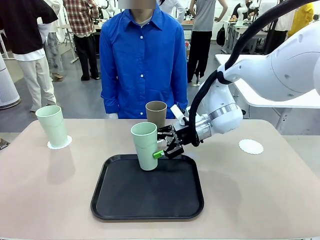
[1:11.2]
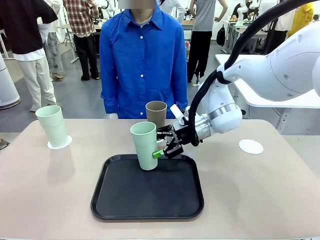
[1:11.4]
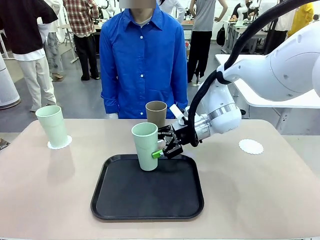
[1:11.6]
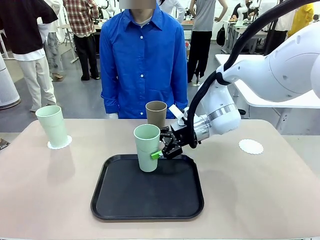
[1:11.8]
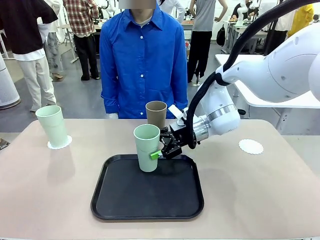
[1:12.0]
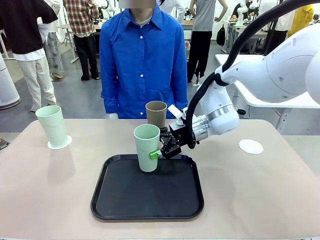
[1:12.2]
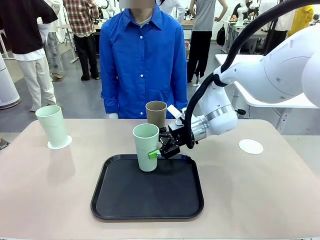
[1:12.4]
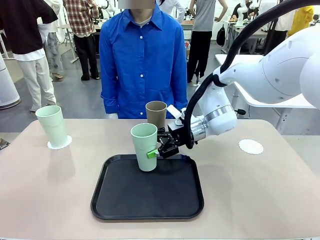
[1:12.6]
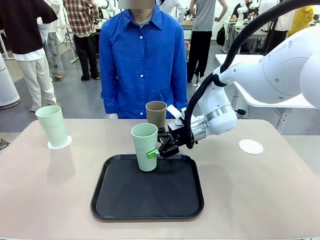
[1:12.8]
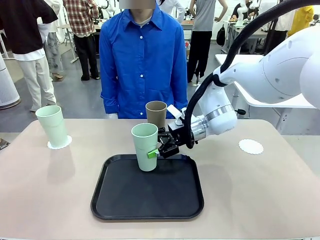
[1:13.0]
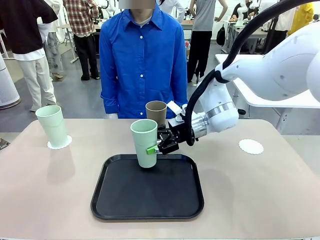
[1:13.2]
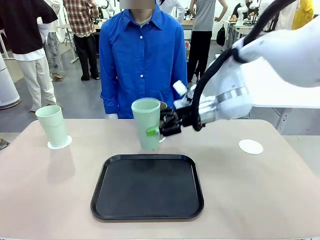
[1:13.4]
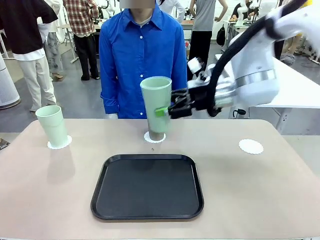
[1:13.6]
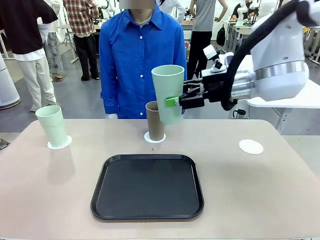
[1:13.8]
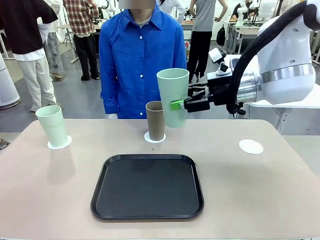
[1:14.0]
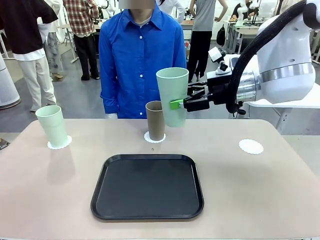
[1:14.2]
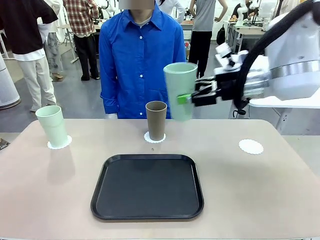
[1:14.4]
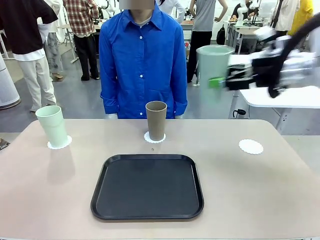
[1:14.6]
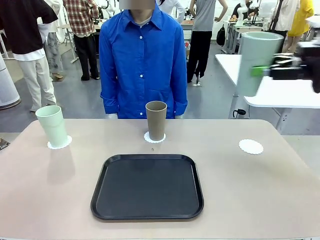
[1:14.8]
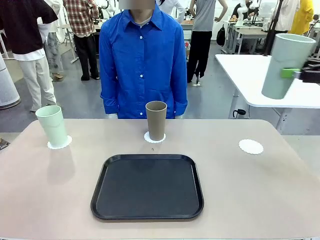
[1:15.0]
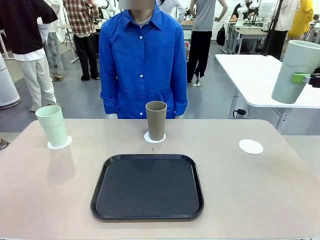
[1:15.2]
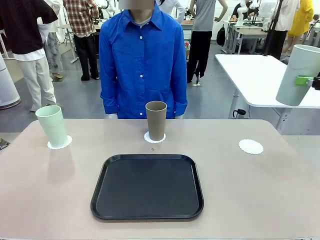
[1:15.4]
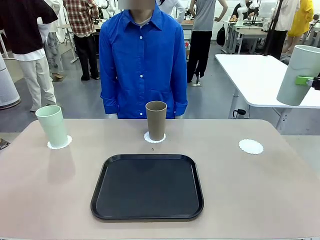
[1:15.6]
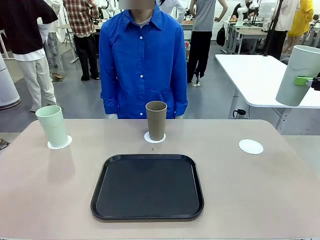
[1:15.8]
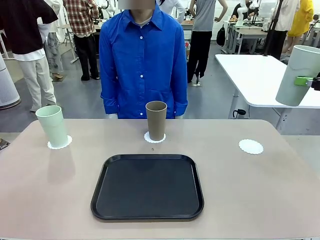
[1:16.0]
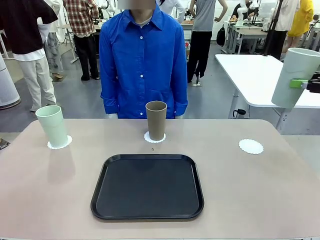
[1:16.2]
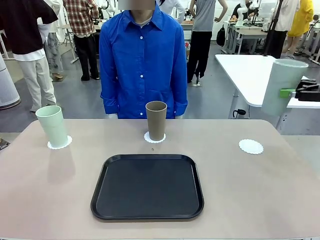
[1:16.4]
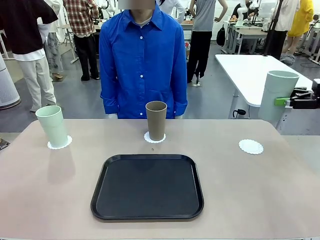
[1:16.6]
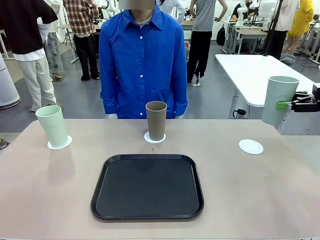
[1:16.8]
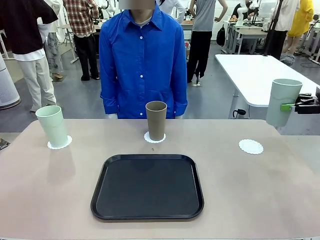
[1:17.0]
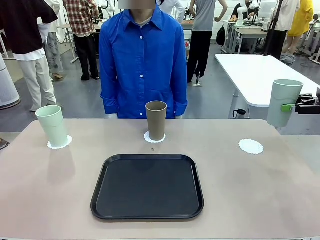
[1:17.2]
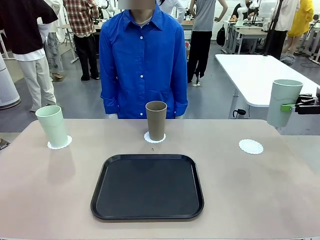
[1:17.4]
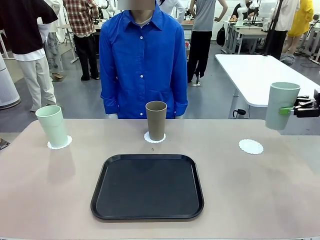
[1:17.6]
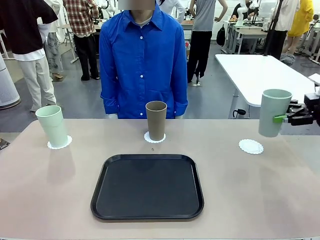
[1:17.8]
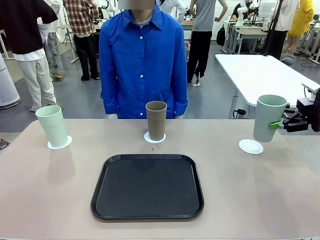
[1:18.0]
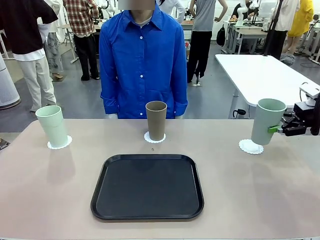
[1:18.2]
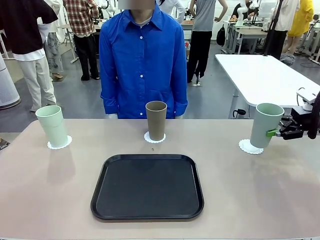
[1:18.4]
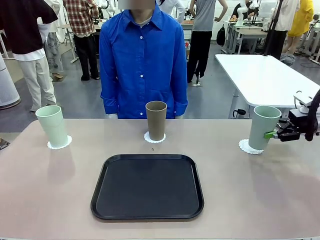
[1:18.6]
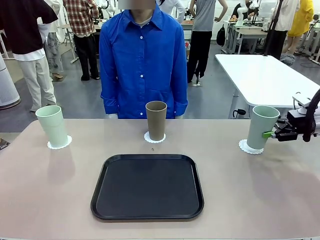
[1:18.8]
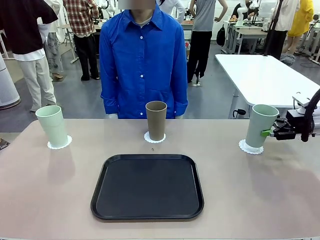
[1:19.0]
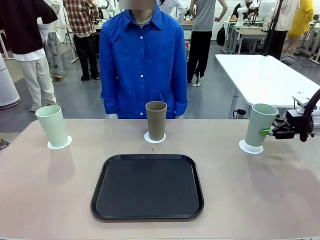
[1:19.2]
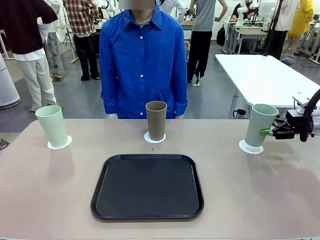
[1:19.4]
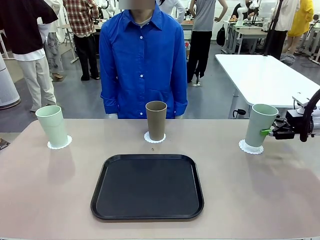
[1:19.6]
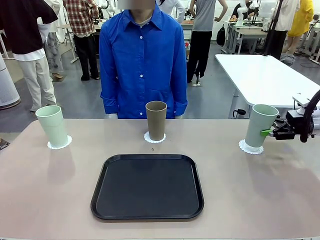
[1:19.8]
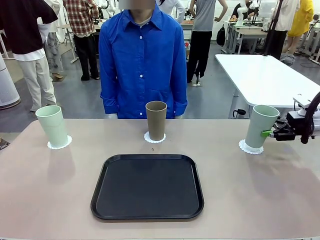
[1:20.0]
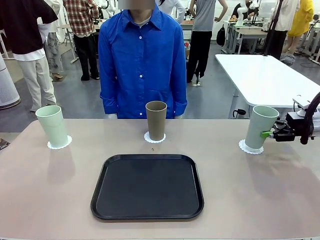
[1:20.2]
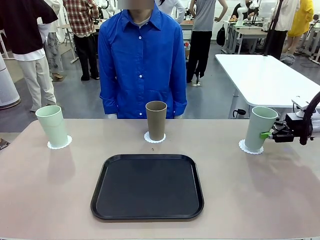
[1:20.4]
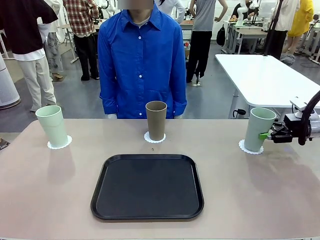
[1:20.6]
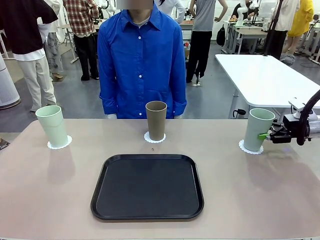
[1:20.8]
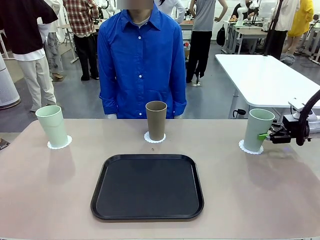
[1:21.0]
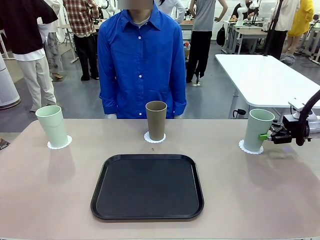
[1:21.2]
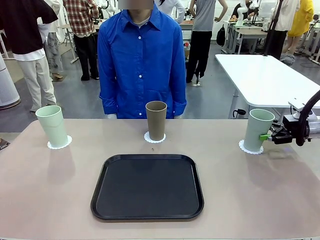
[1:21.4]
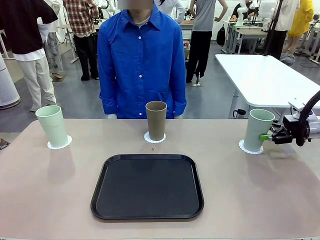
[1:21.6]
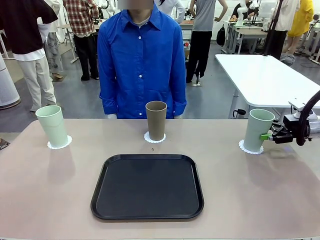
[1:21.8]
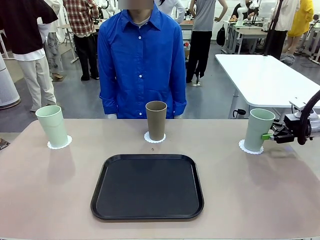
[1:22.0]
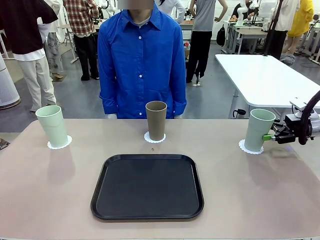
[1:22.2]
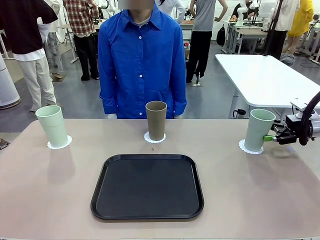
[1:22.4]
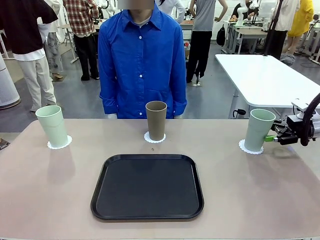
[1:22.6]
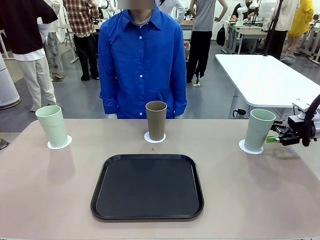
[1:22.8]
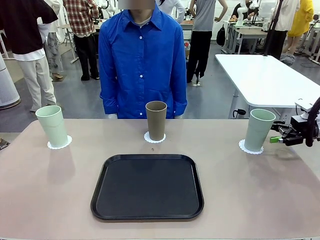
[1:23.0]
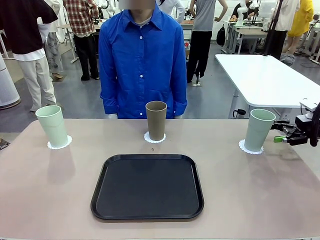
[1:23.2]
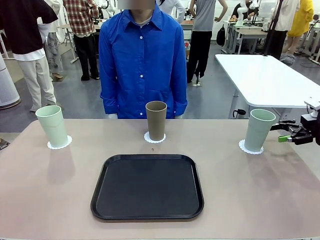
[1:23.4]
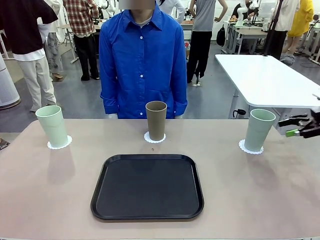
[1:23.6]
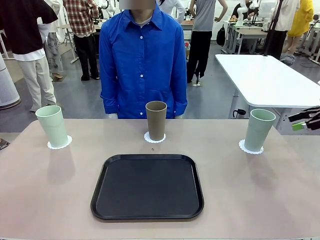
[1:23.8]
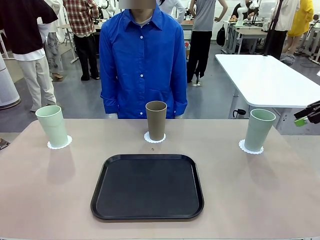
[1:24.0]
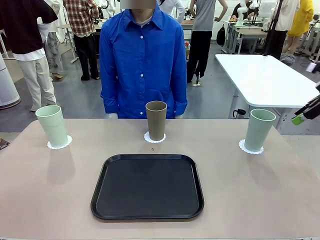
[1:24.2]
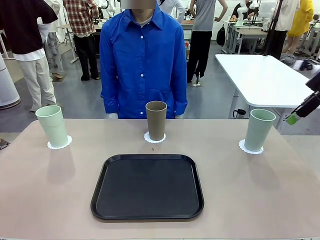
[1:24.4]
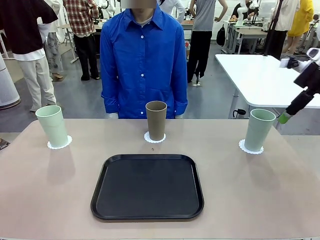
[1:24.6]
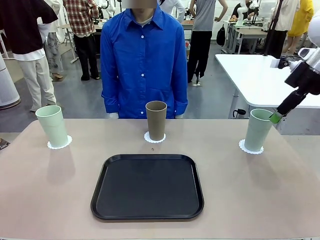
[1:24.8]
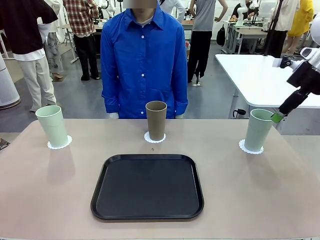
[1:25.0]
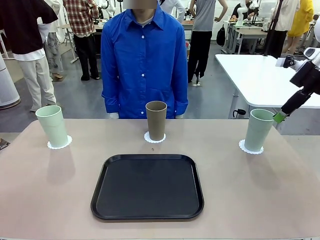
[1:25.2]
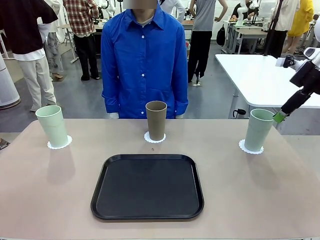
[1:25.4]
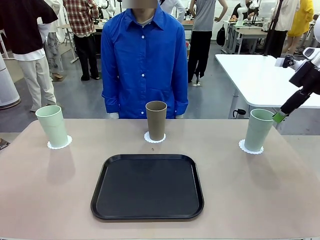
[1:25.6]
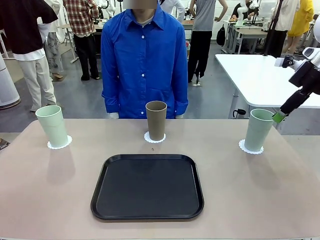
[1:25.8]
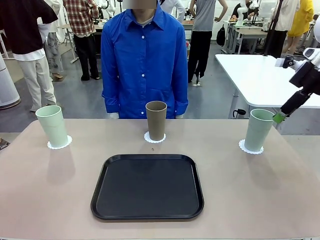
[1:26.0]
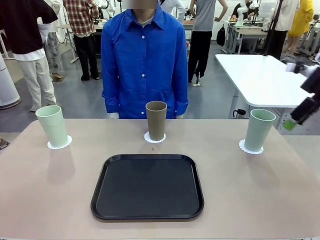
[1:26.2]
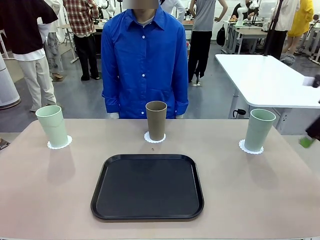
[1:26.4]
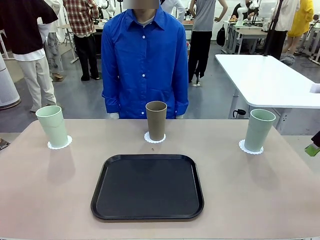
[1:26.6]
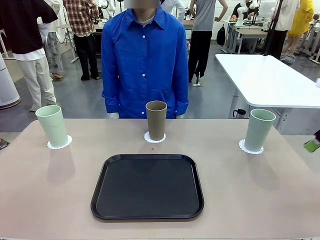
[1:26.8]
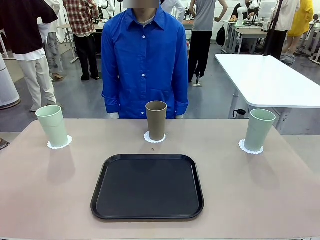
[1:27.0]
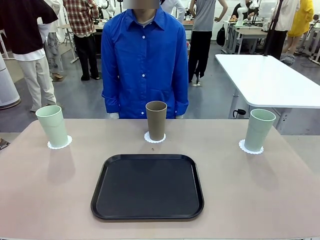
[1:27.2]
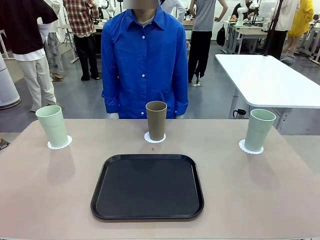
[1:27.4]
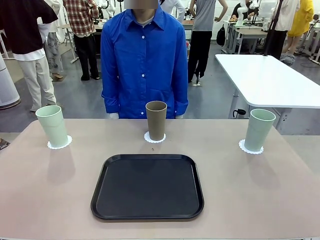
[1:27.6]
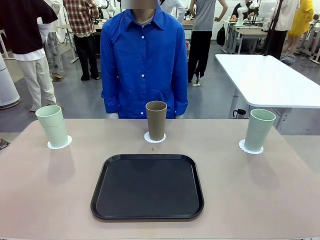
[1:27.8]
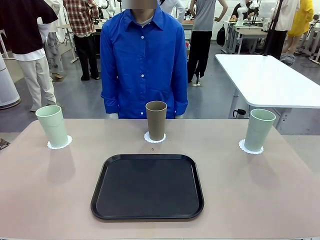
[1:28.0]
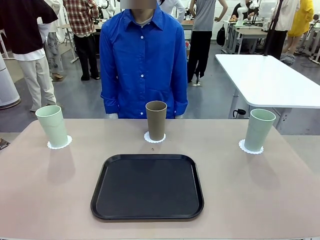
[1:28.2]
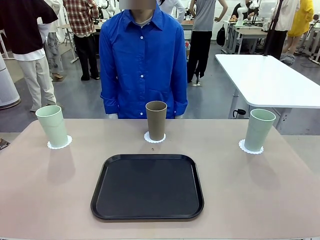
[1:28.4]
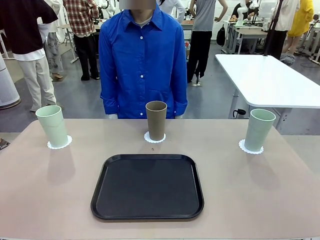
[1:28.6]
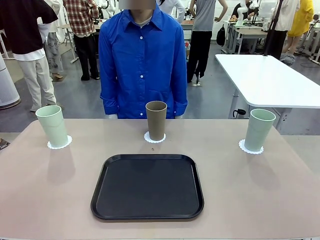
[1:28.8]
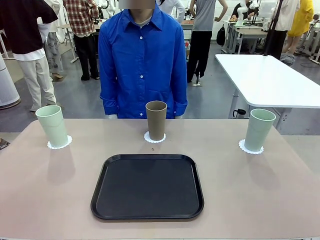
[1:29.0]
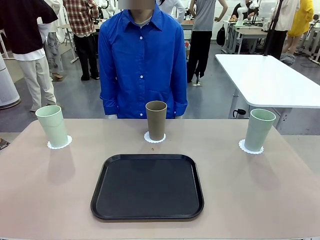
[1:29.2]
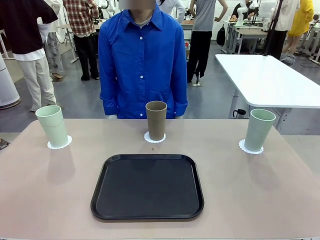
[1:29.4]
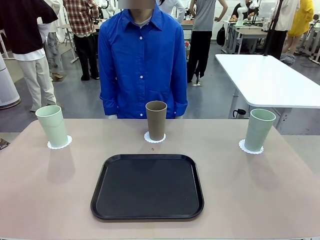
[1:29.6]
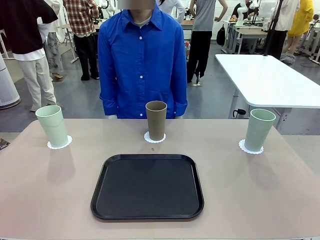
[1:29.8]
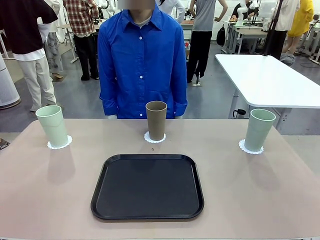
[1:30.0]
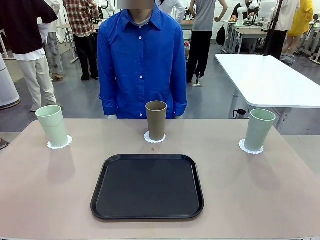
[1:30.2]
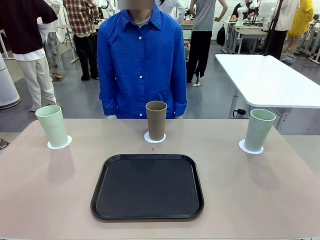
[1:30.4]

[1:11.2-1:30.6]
Task: Place coasters on the table and set cups on them.
Robot: Take one Reusable plastic cup from the Flat Tray and place it on a coaster set by the human.
